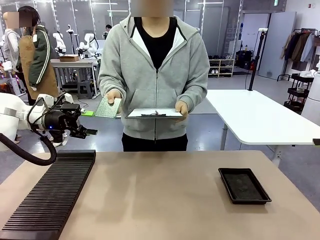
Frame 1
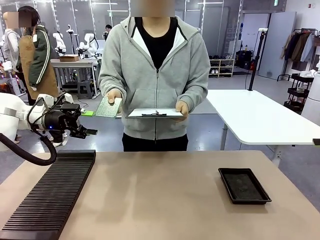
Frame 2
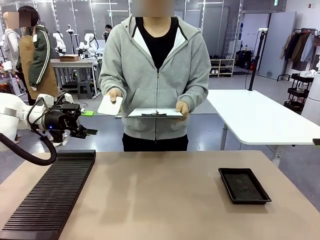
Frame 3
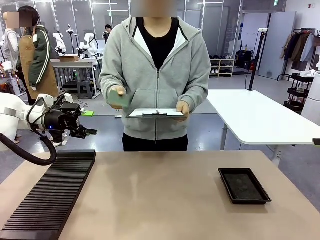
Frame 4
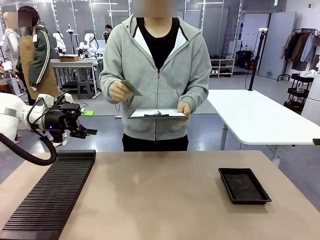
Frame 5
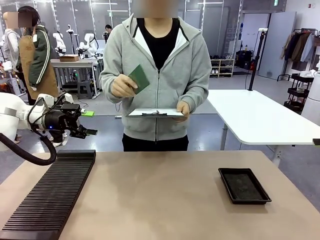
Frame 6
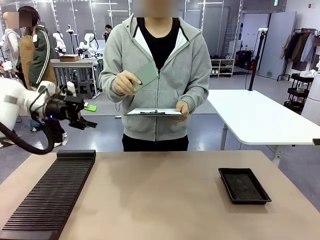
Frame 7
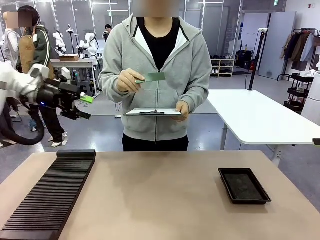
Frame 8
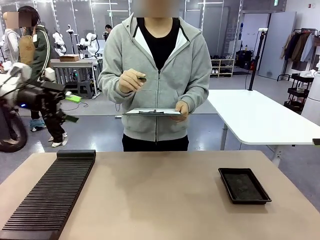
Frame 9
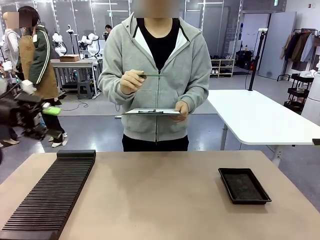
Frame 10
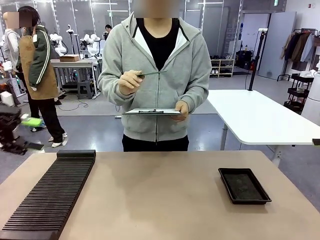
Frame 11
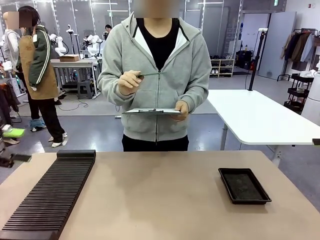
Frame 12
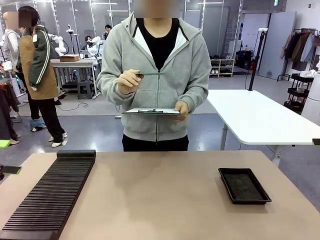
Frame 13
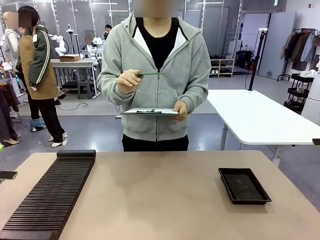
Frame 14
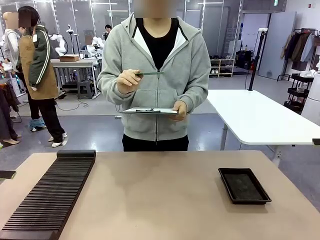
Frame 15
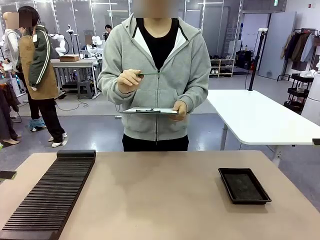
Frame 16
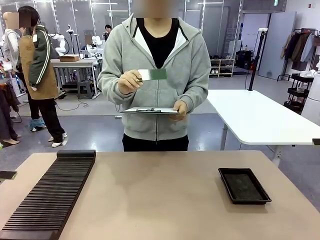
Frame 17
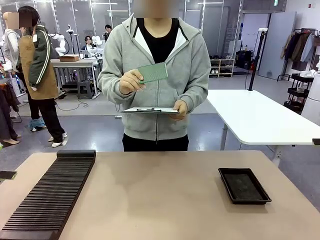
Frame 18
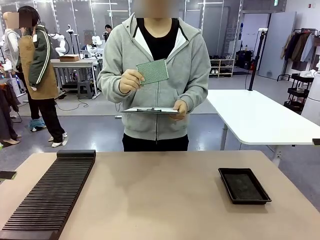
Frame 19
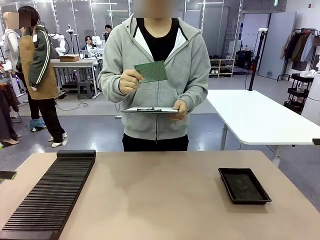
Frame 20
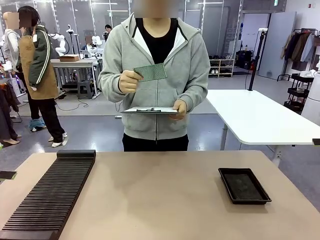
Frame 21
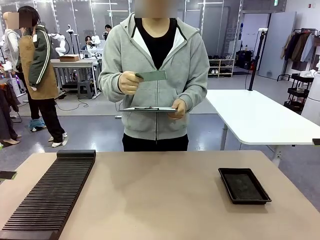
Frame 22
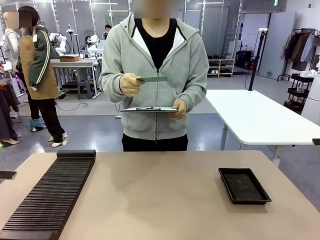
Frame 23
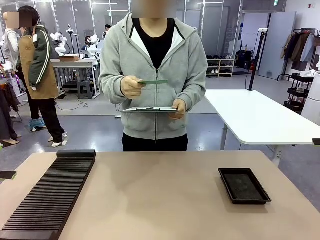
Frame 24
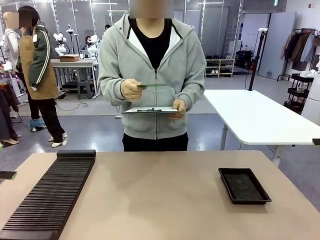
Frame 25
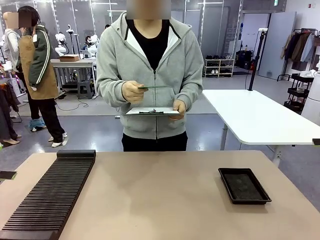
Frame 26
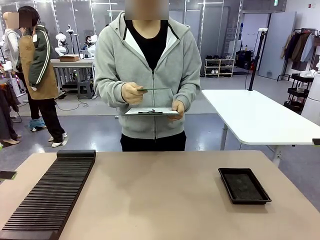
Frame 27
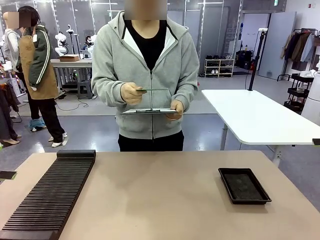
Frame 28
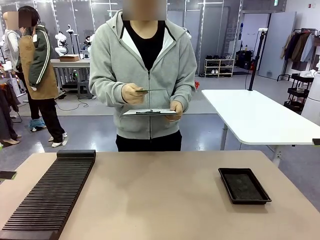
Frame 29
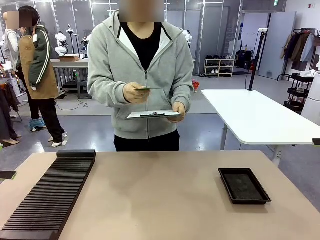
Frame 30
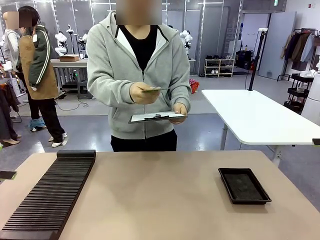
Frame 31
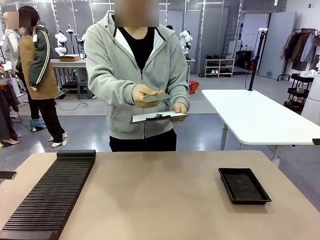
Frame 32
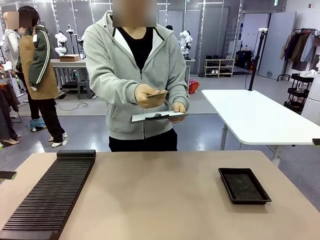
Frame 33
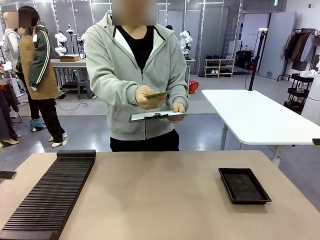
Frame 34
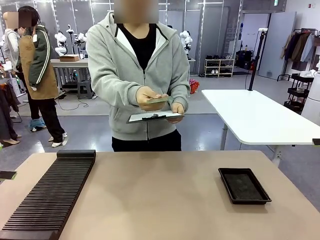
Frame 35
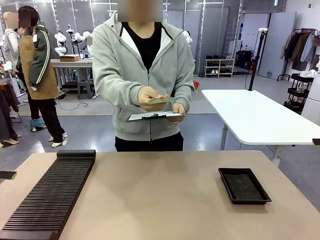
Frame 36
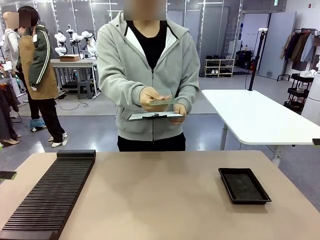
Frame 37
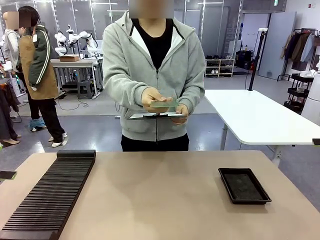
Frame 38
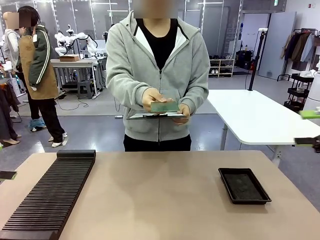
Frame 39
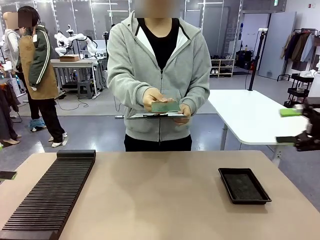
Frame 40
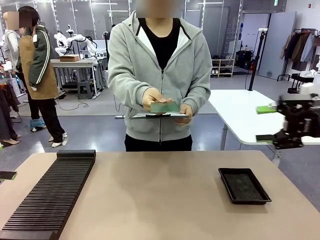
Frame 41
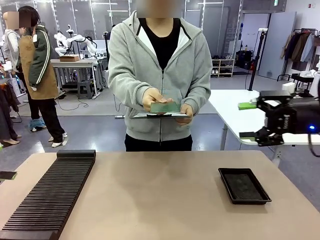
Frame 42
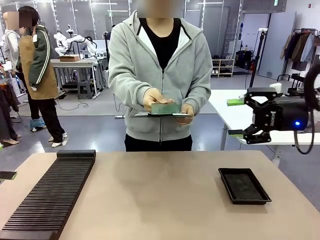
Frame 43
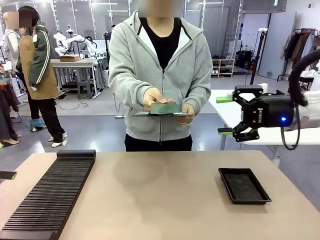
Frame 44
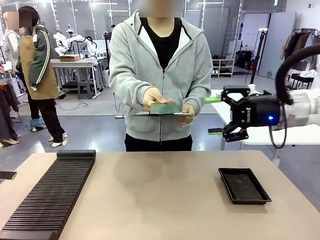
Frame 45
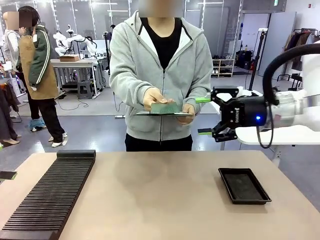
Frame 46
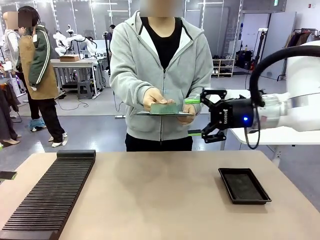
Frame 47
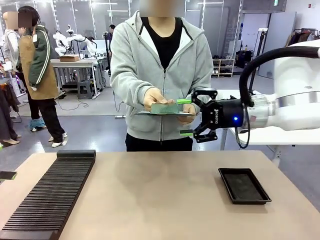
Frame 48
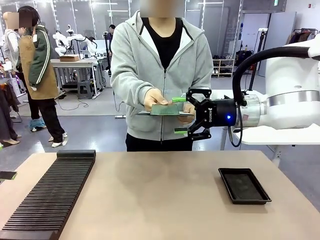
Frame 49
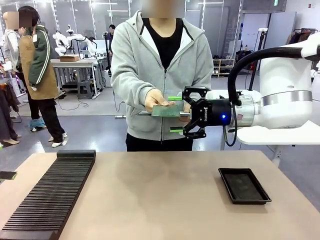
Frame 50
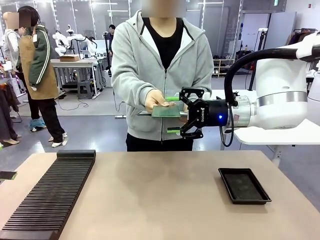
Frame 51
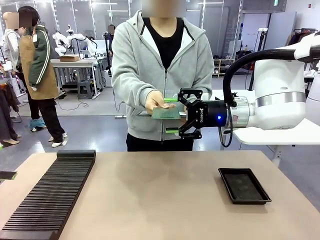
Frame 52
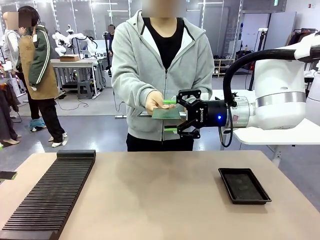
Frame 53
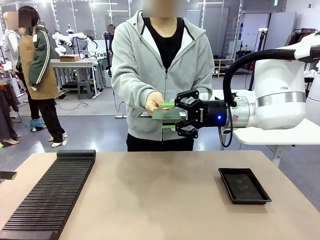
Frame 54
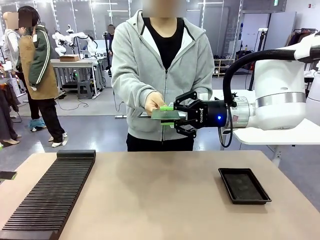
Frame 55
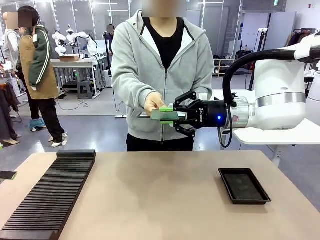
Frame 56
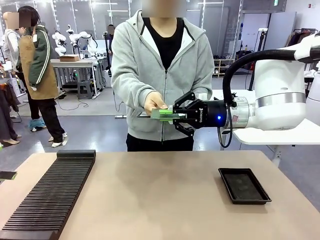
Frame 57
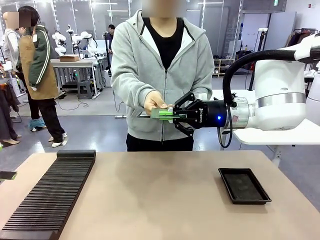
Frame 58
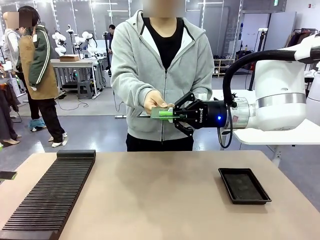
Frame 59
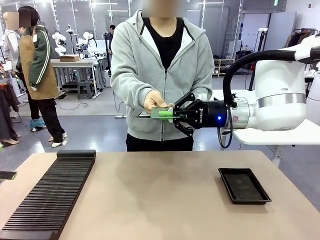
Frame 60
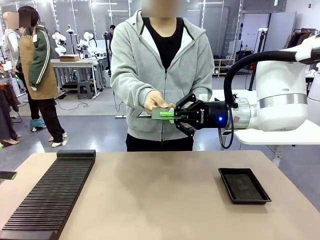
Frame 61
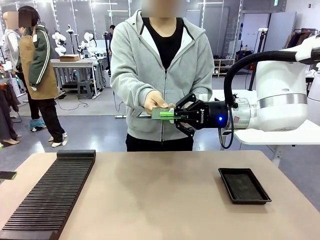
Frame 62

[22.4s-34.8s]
Task: Inspect the PCB.
Robot: Pick up the Blank PCB that the human is holding.
Person: Inspect the PCB placed by the robot, then hold it out in front of the robot. Release the PCB you were holding.

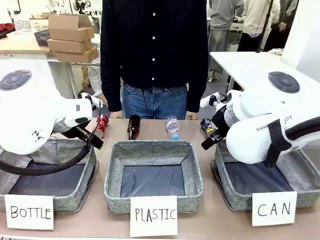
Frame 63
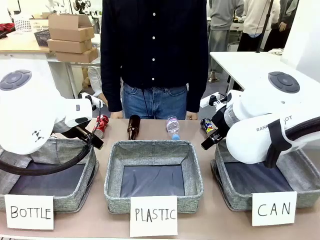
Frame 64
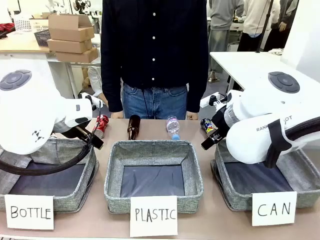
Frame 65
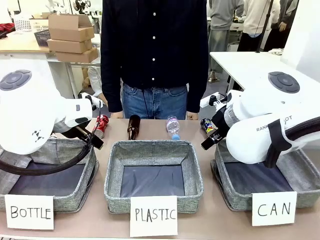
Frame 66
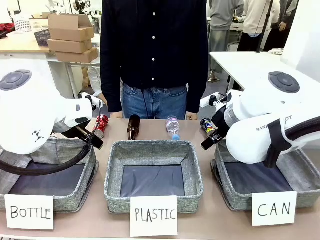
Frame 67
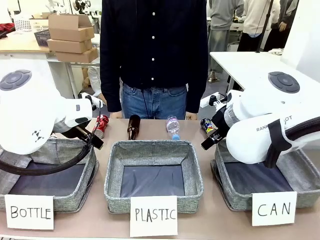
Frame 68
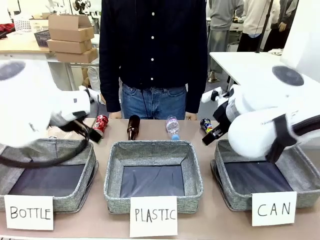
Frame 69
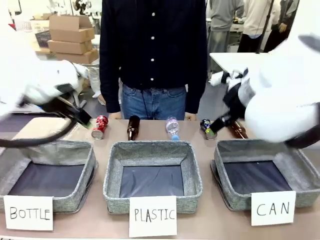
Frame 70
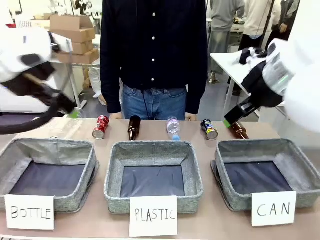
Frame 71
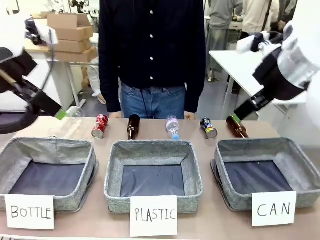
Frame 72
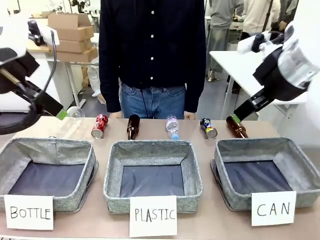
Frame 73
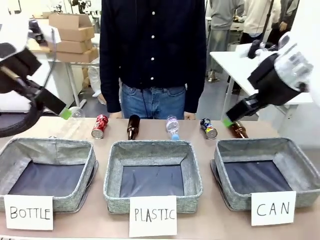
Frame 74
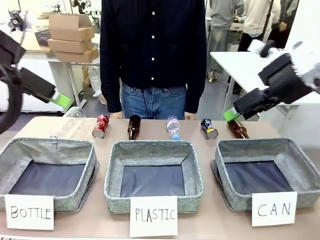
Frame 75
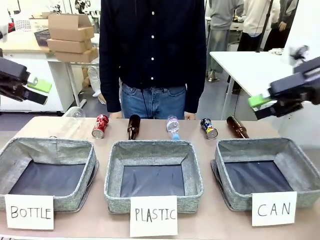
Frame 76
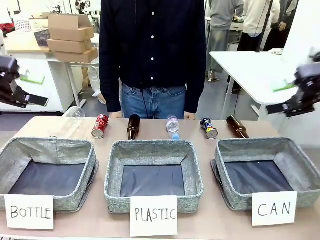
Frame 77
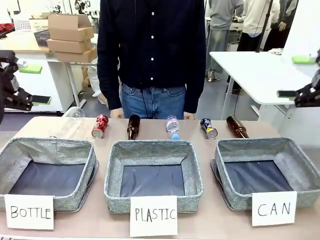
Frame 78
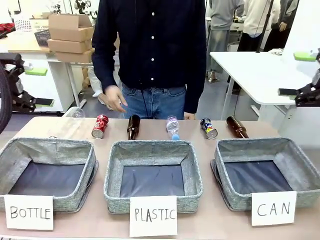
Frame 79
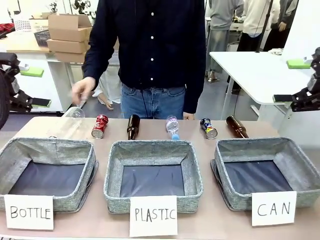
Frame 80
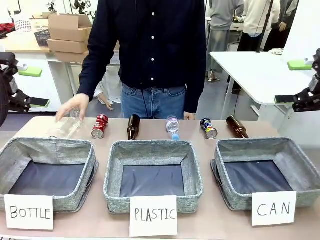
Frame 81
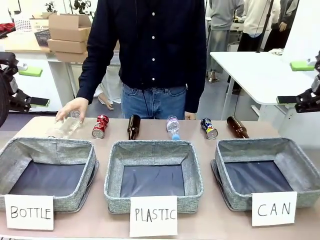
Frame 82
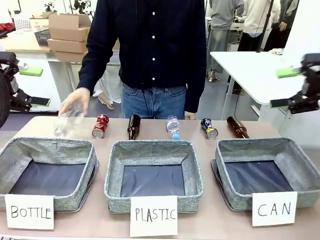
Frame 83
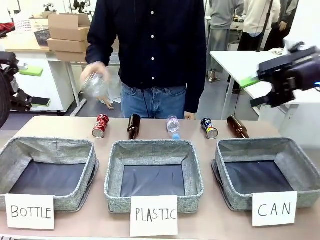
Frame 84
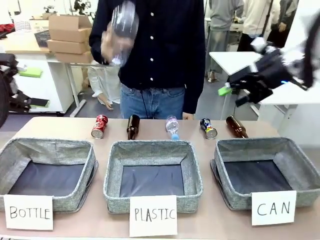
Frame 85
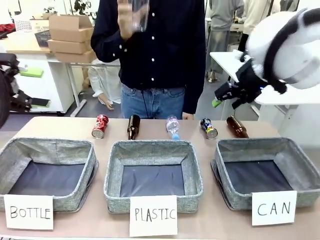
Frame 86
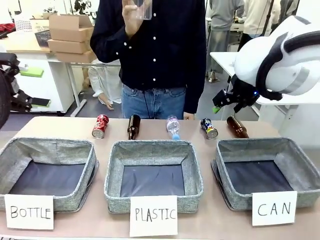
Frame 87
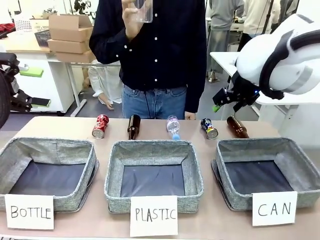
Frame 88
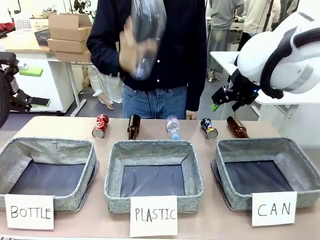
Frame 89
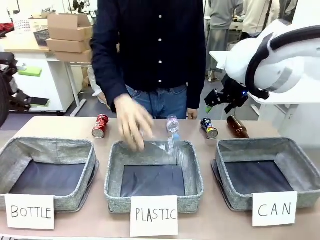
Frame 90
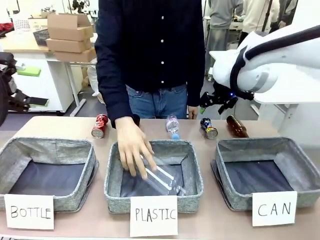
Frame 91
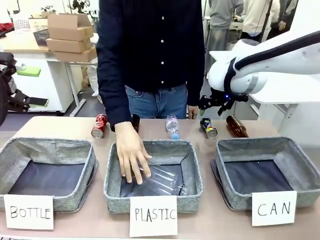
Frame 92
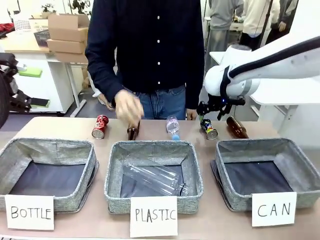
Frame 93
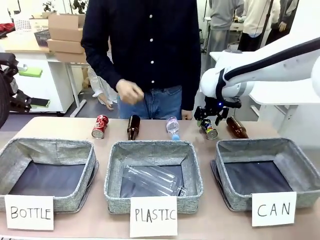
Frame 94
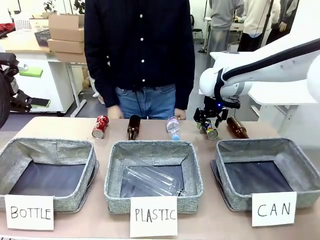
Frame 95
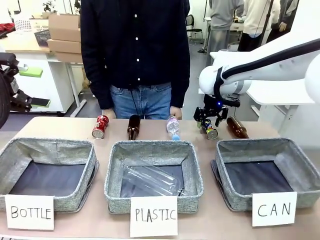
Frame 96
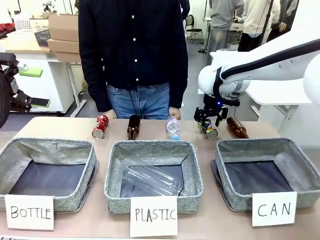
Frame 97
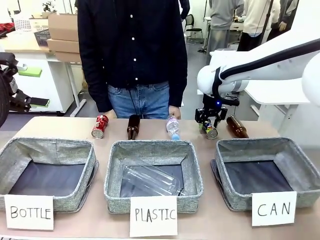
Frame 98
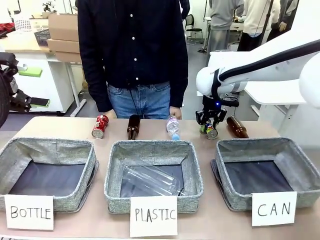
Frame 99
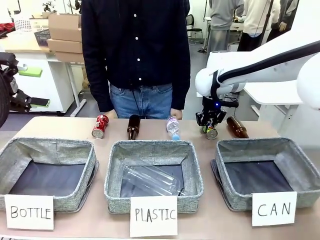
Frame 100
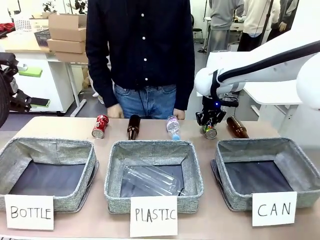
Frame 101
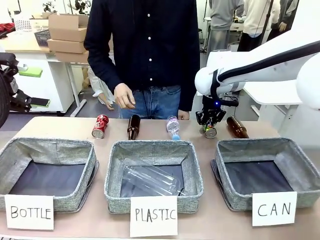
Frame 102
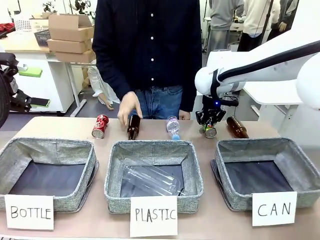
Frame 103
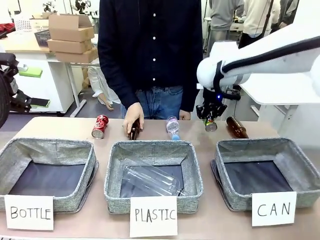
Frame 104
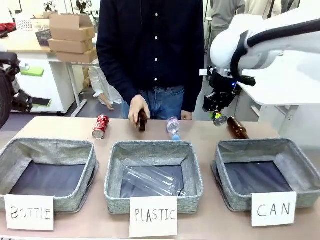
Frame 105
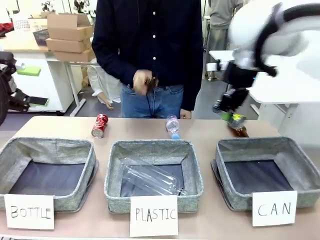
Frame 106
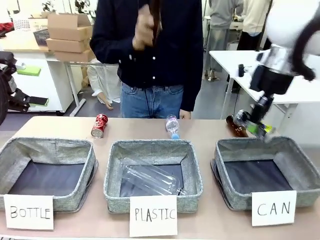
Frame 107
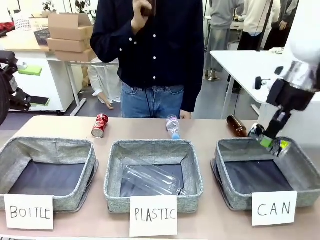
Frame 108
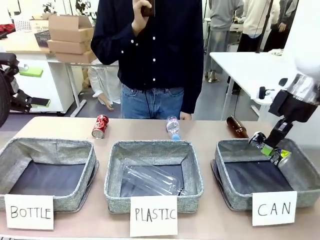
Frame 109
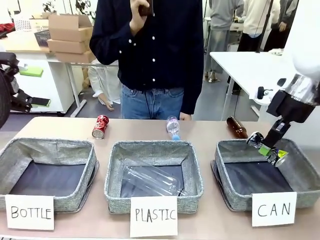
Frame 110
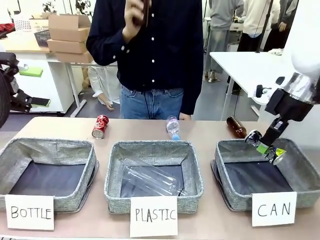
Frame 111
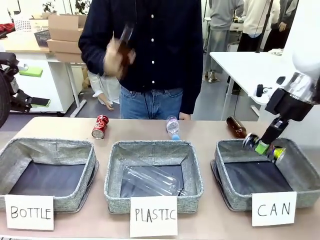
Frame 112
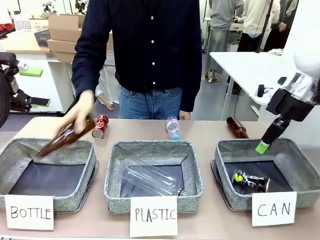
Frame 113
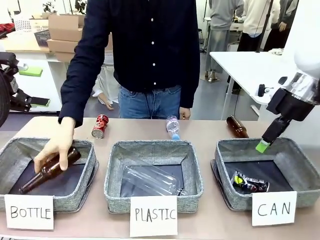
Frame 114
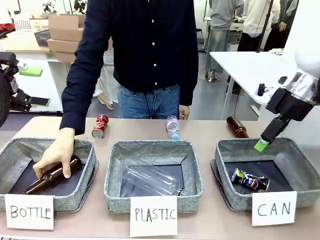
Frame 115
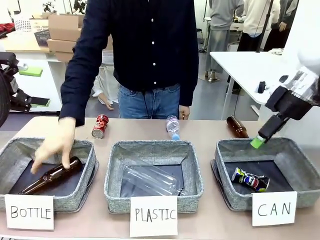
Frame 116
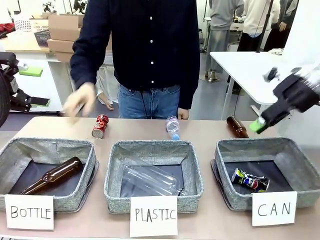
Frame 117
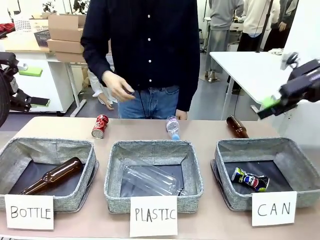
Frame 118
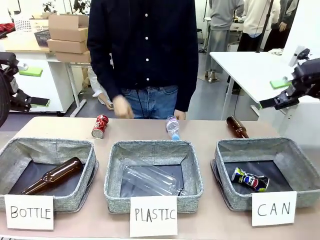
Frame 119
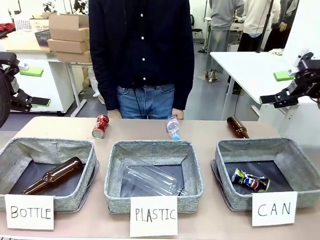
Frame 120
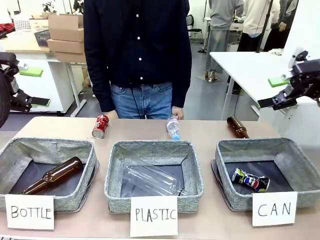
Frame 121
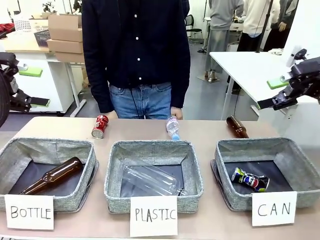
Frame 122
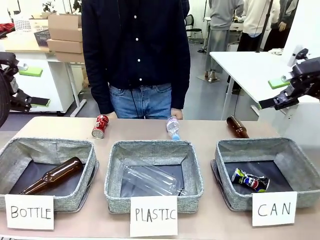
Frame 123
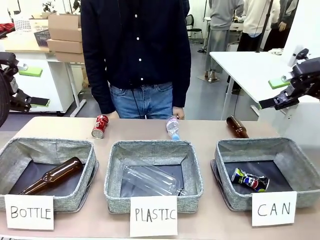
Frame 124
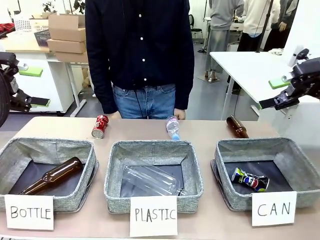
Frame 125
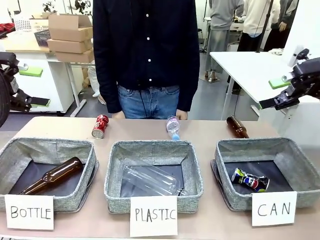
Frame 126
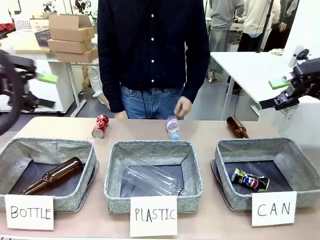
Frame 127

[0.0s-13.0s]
Task: Sort the can waste into the basket.
Robot: Pick up the can waste from the table and place it in the right Fabric basket.
